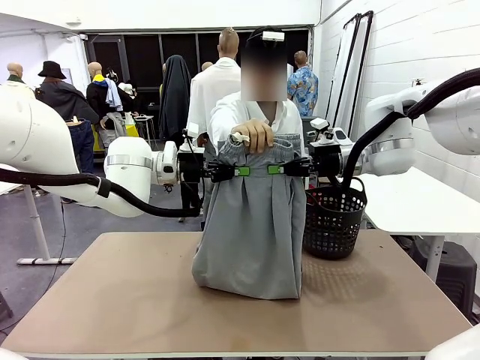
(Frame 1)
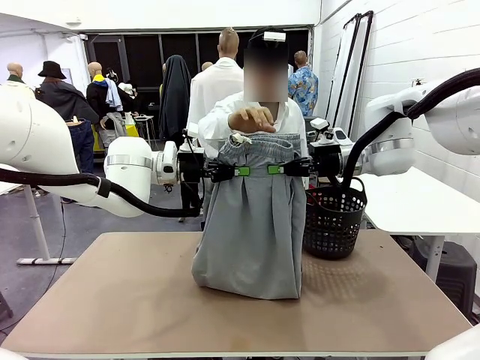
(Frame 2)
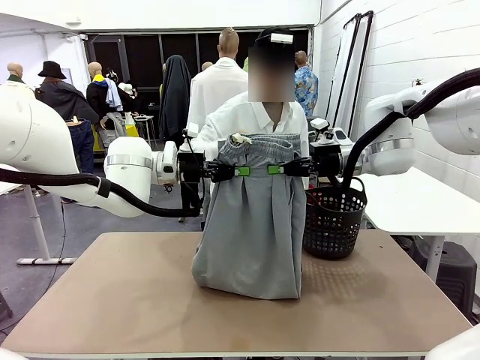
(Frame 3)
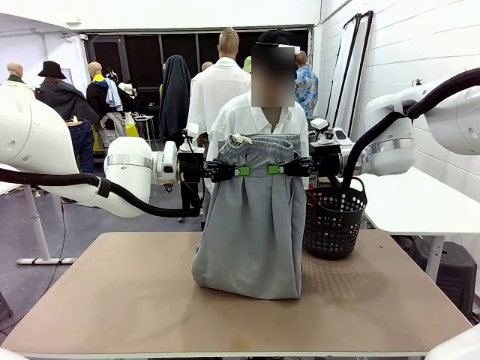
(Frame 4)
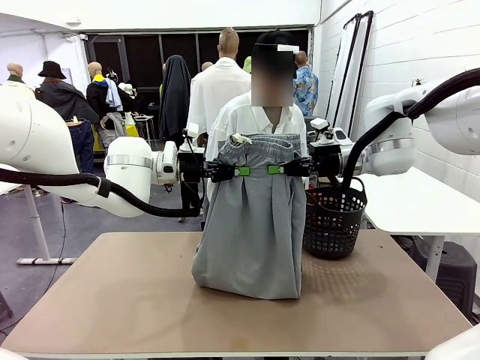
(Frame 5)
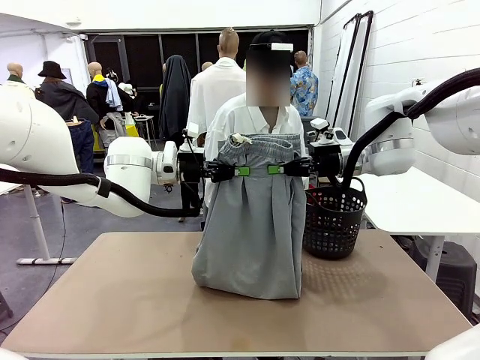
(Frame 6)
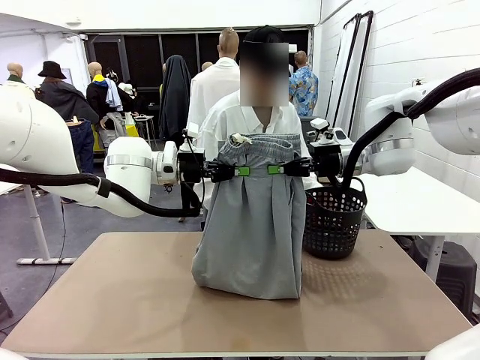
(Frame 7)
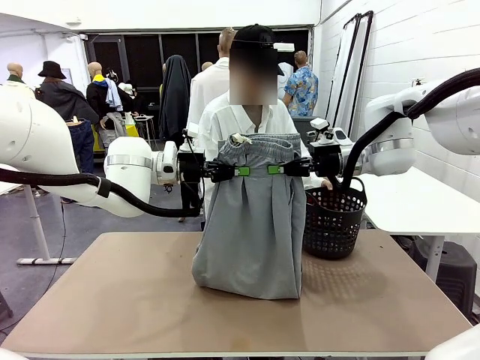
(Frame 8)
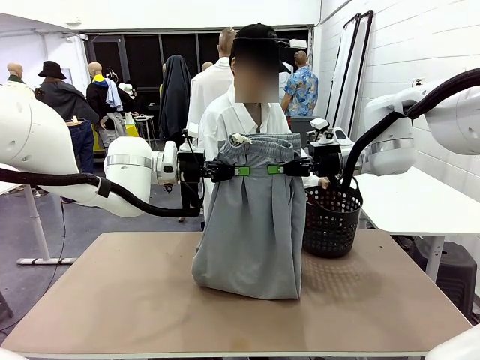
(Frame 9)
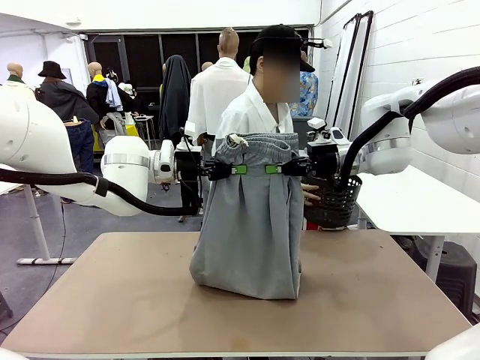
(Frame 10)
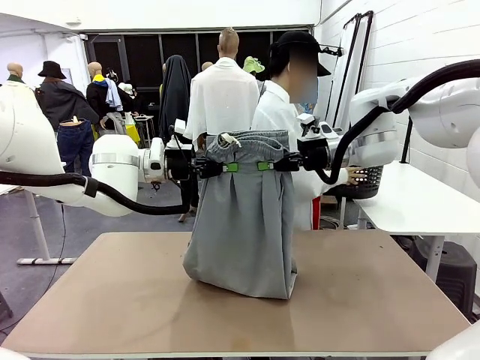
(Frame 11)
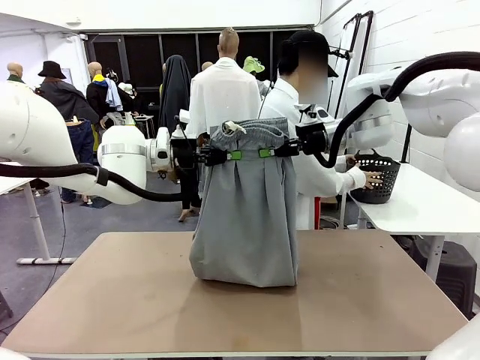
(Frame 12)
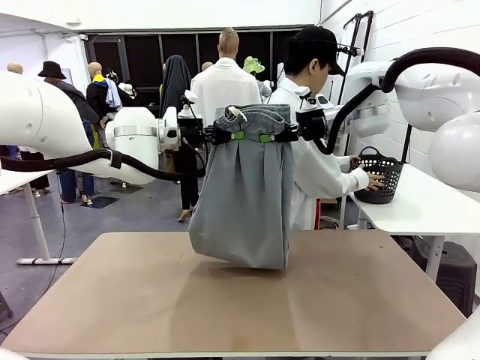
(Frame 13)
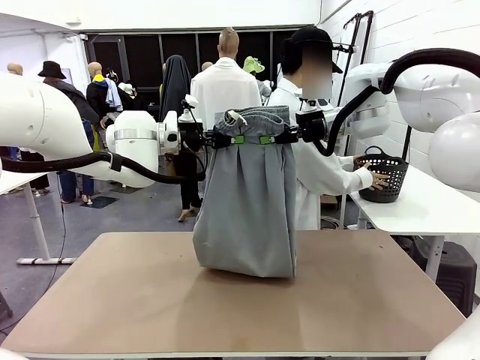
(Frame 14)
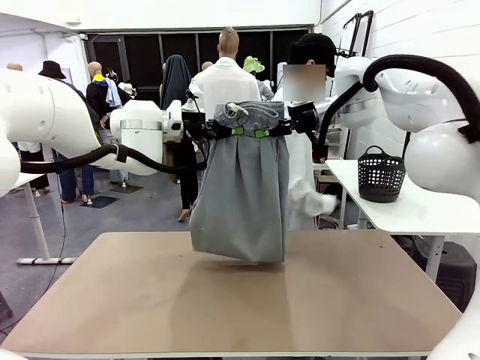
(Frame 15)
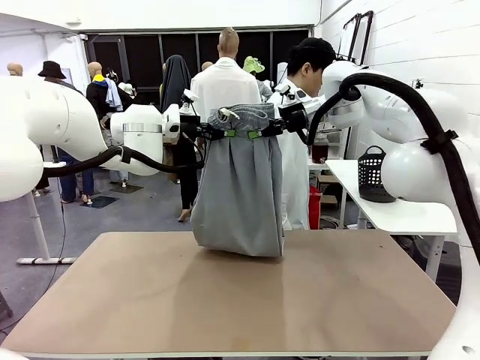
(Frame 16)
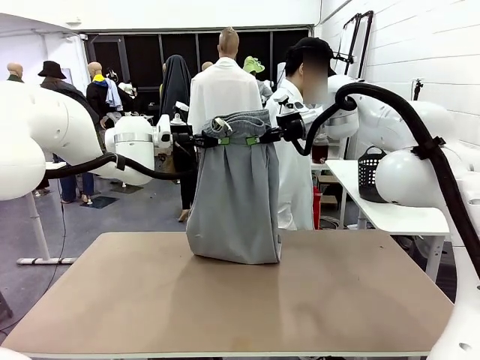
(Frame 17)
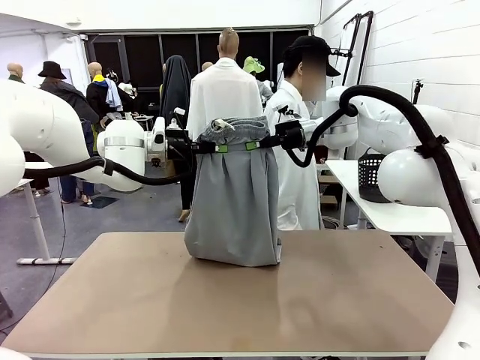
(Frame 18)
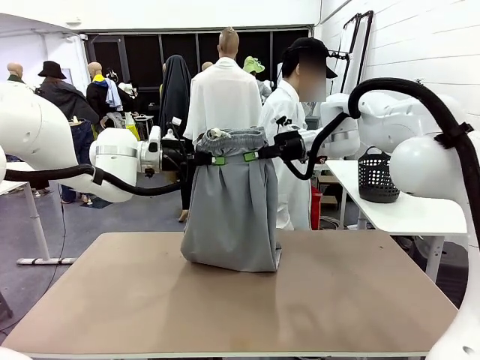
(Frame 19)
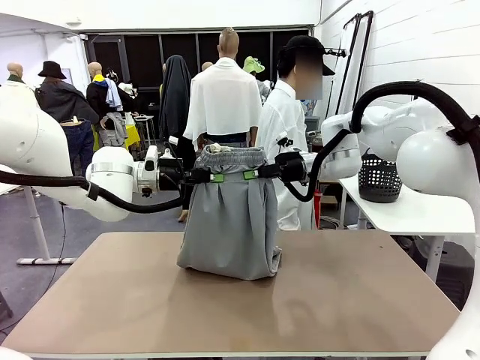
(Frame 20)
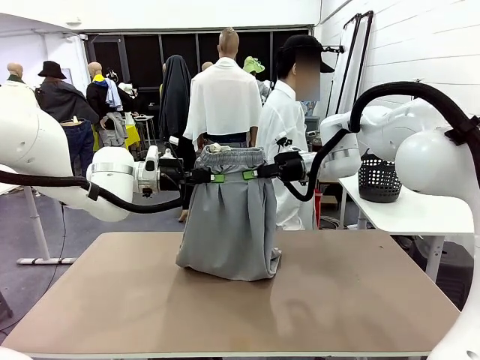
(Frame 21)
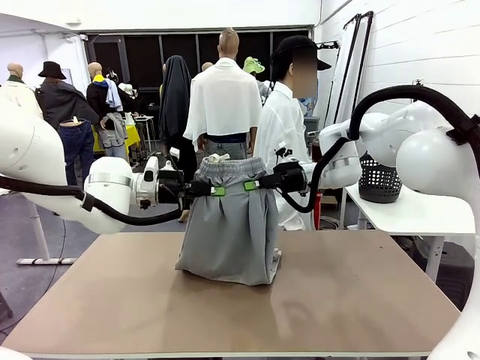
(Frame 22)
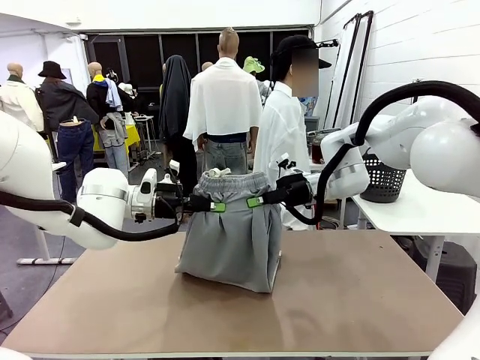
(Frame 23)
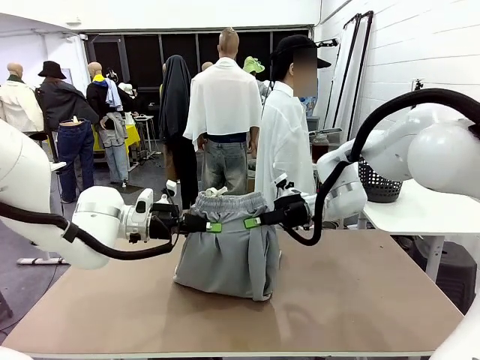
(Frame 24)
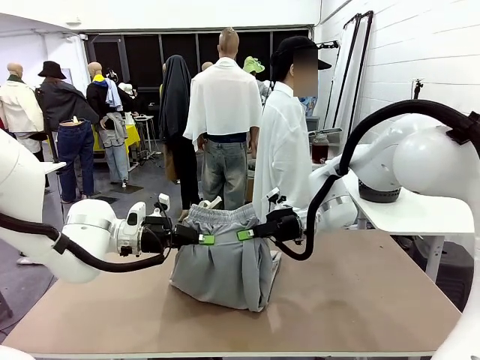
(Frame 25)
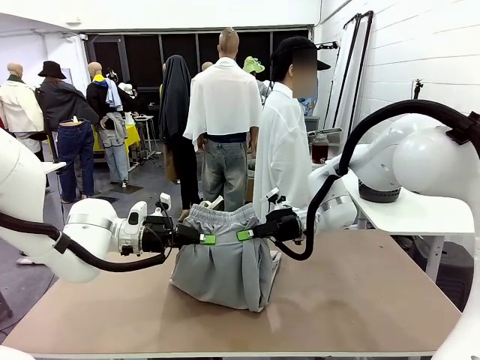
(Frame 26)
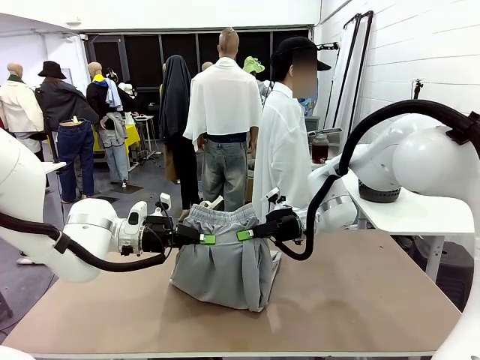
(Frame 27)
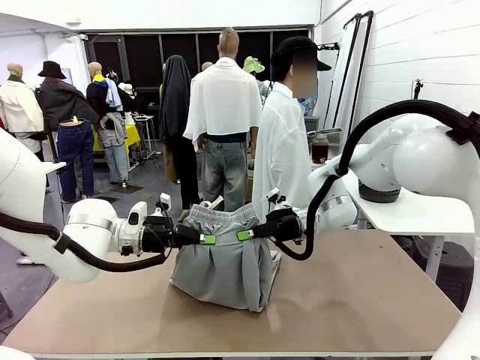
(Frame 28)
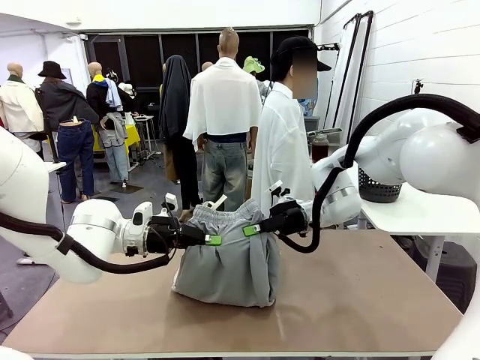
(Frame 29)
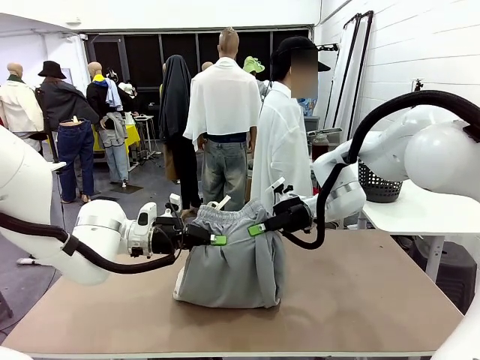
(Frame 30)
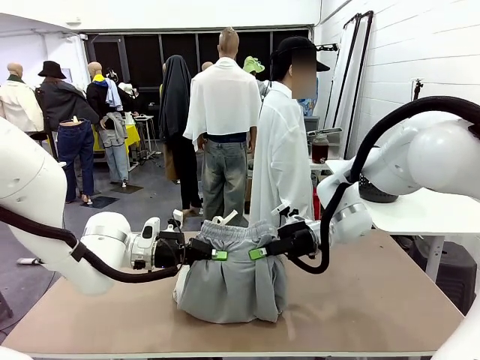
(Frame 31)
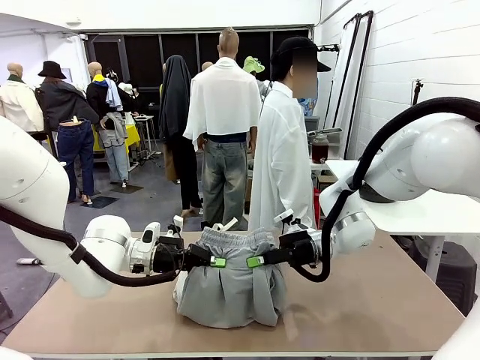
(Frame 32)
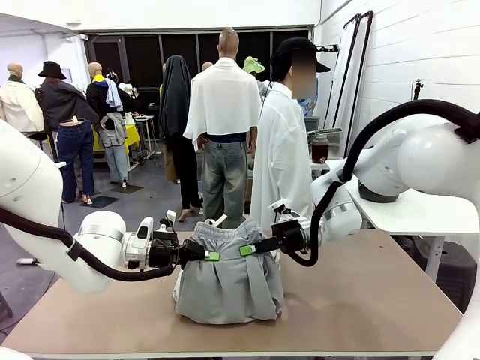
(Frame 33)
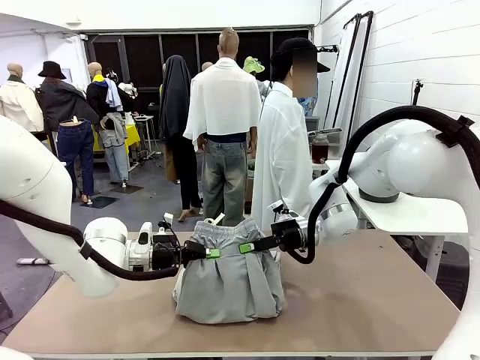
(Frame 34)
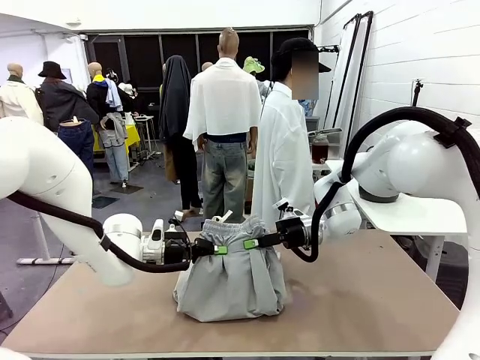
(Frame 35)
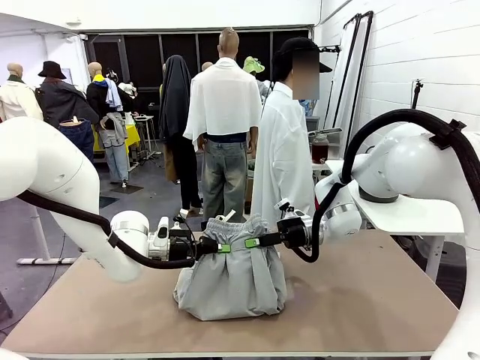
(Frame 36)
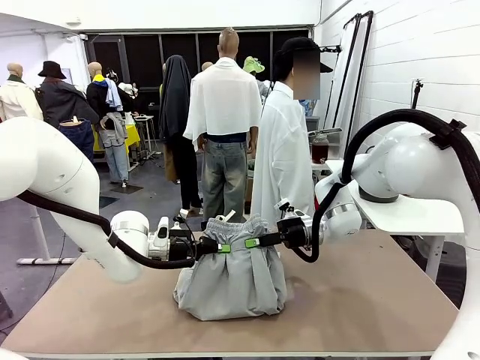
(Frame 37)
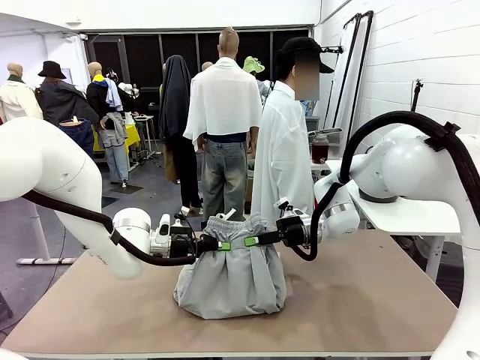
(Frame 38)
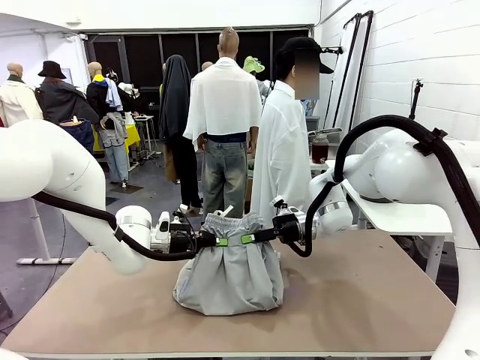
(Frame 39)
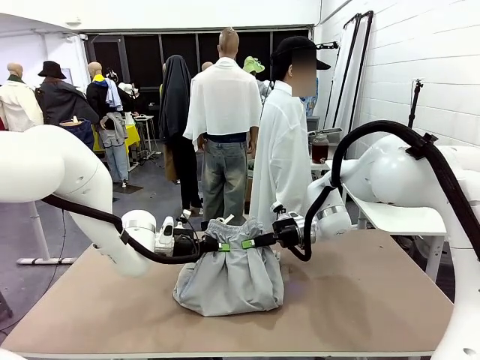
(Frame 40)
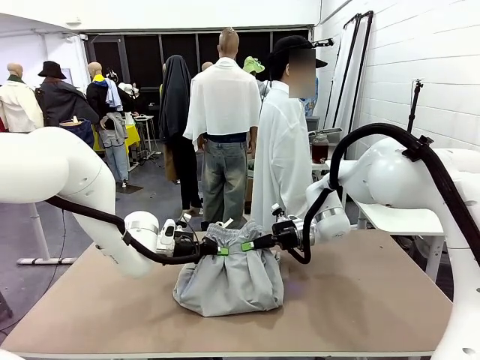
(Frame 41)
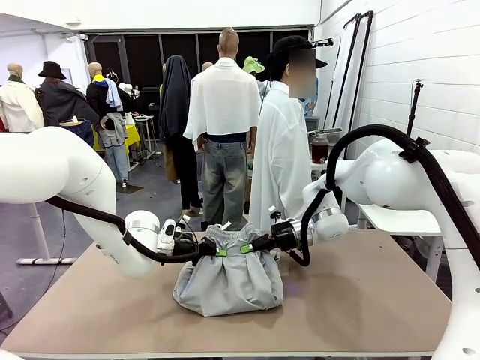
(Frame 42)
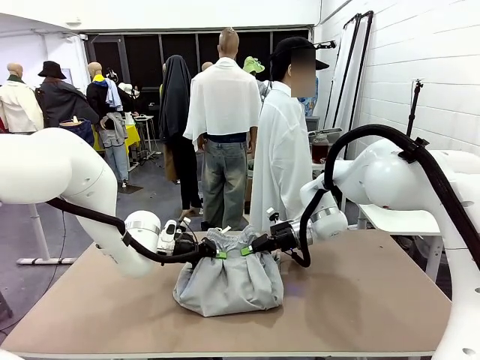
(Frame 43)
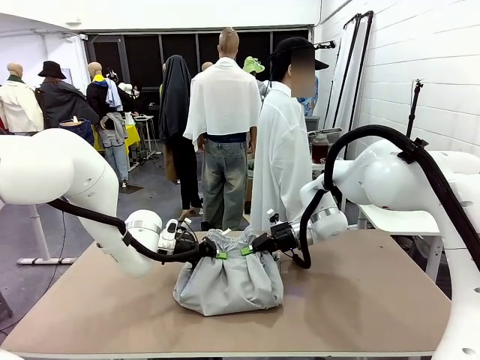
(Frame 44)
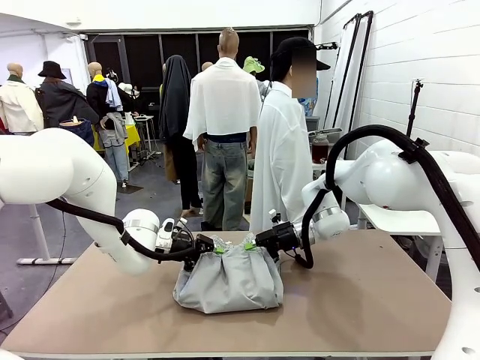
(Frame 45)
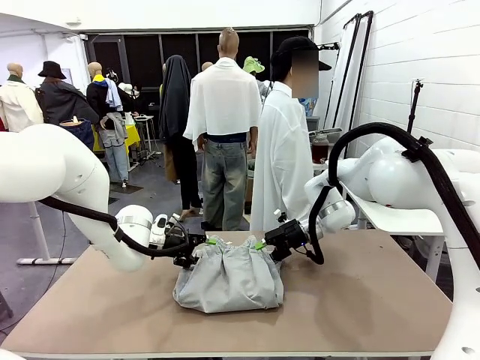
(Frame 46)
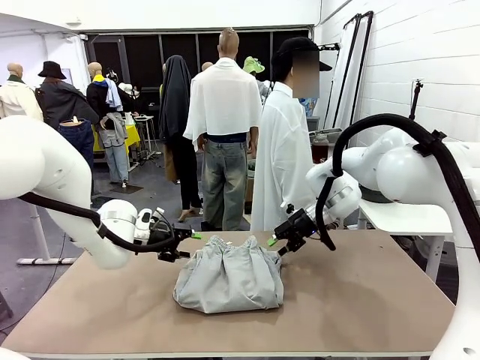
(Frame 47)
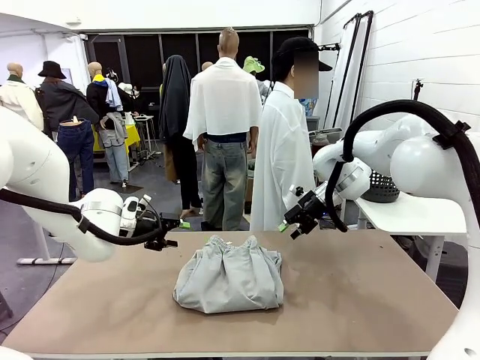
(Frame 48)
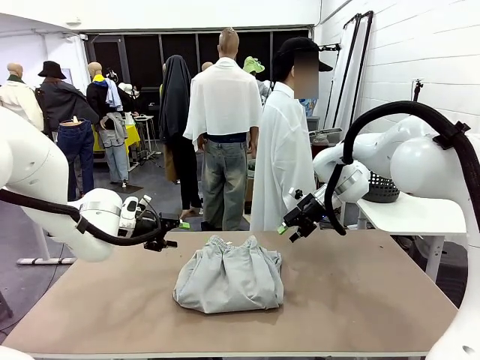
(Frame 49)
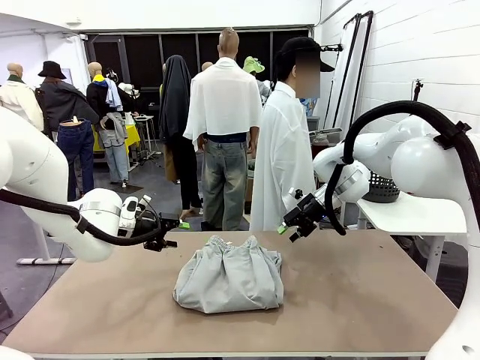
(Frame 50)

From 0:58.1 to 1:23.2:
Task: Fold the training pants.
Robot: Fold the Training pants in half.
Person: Move the laundry basket to the right of the human table.
